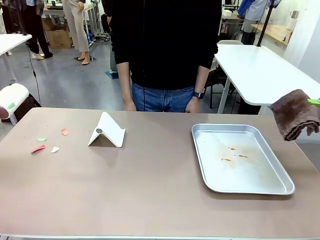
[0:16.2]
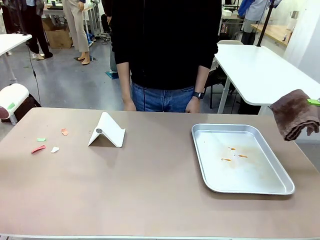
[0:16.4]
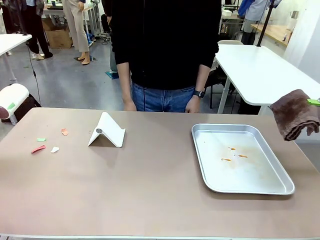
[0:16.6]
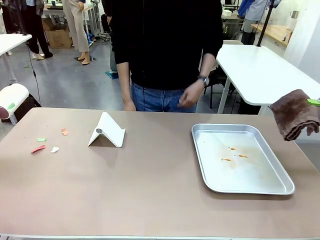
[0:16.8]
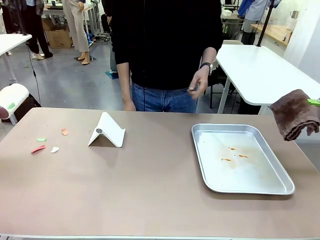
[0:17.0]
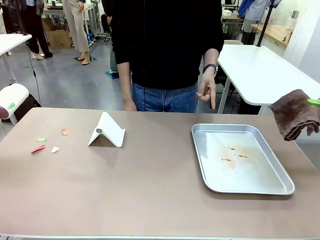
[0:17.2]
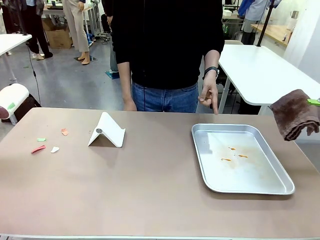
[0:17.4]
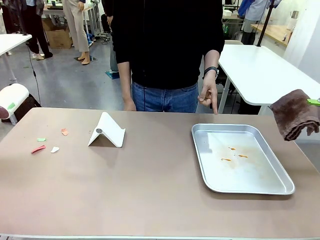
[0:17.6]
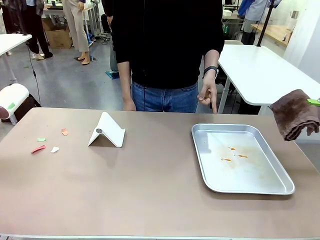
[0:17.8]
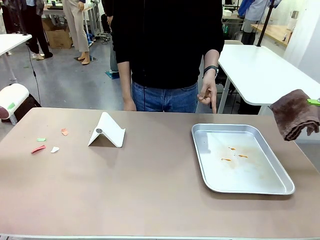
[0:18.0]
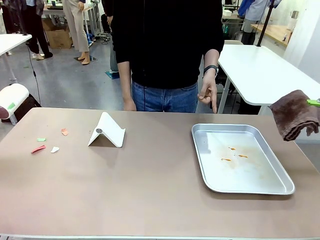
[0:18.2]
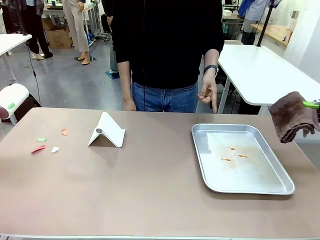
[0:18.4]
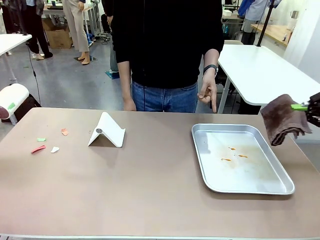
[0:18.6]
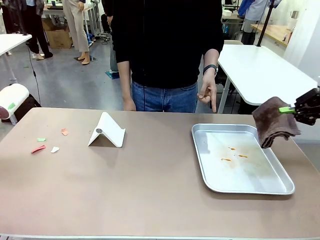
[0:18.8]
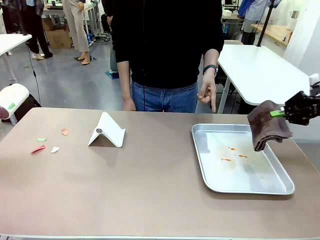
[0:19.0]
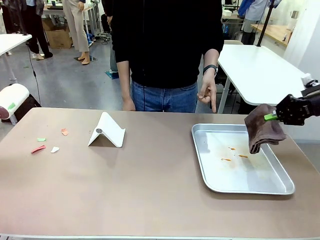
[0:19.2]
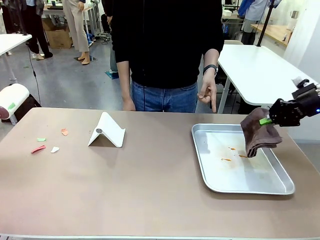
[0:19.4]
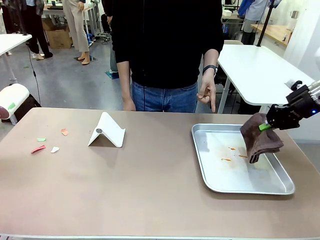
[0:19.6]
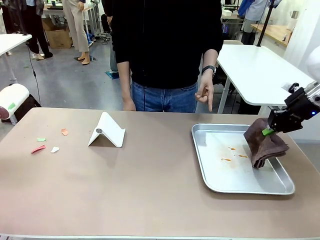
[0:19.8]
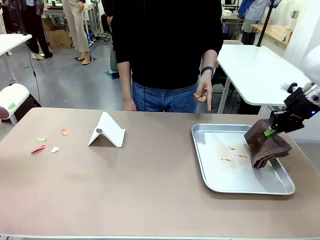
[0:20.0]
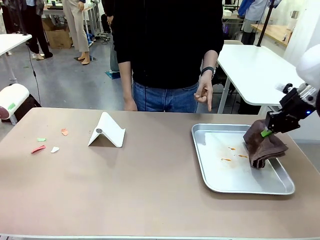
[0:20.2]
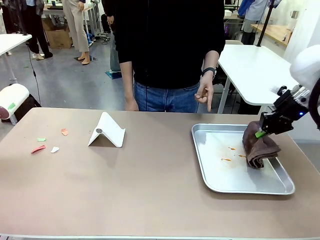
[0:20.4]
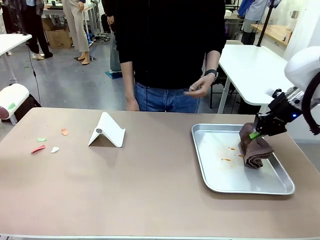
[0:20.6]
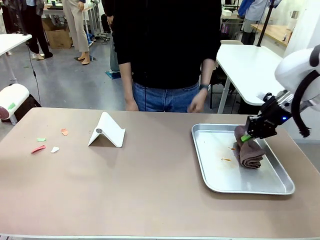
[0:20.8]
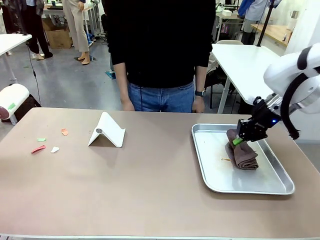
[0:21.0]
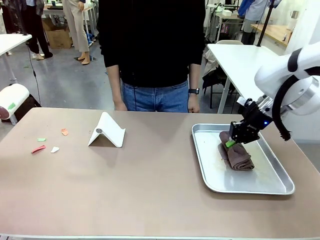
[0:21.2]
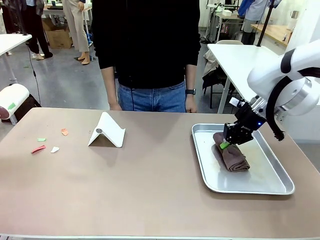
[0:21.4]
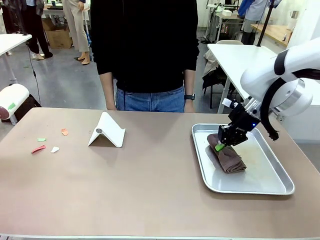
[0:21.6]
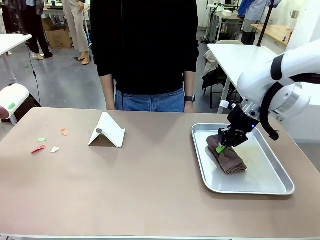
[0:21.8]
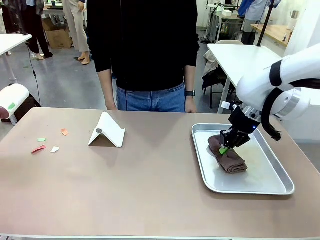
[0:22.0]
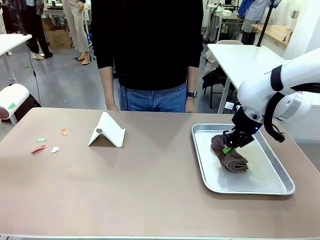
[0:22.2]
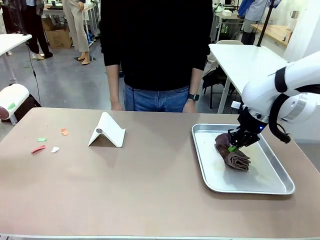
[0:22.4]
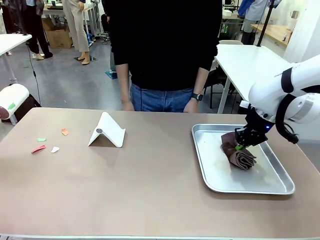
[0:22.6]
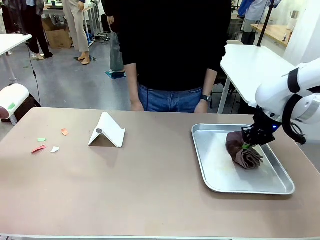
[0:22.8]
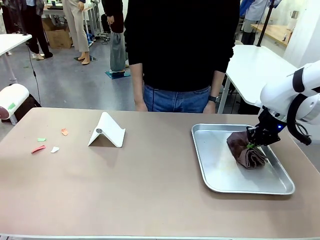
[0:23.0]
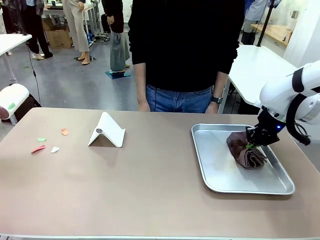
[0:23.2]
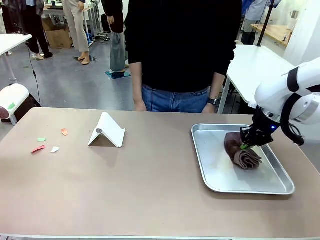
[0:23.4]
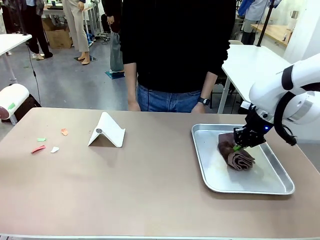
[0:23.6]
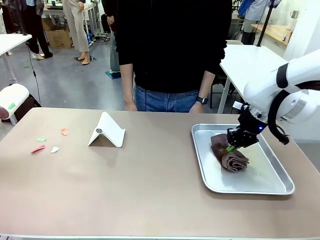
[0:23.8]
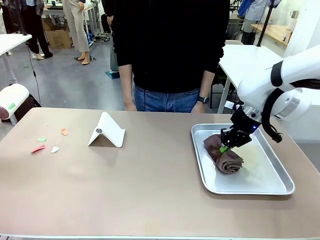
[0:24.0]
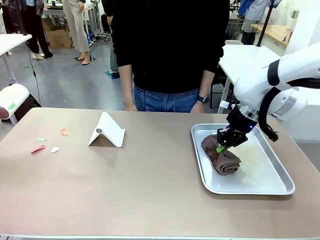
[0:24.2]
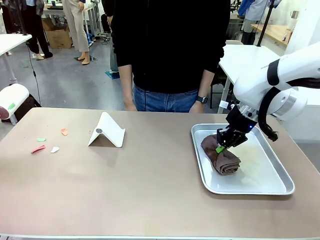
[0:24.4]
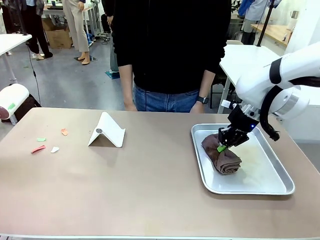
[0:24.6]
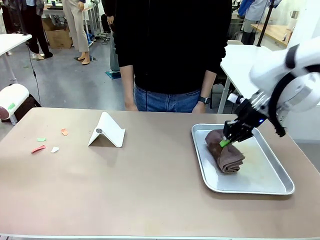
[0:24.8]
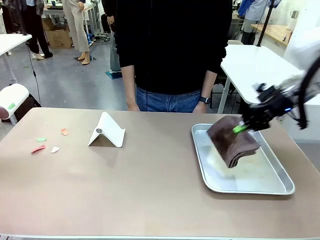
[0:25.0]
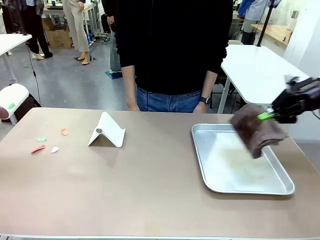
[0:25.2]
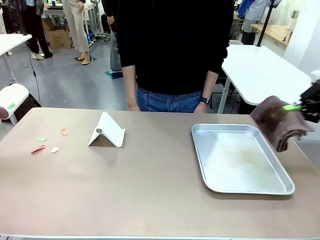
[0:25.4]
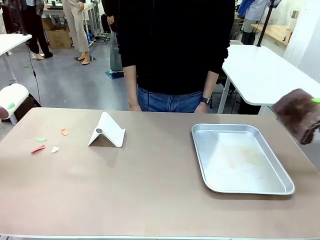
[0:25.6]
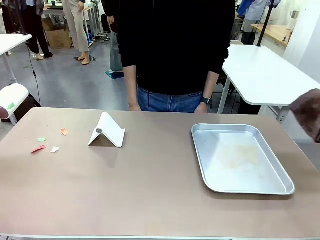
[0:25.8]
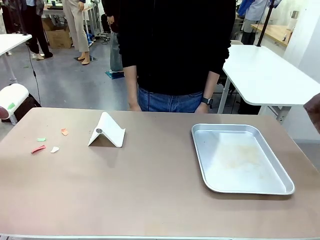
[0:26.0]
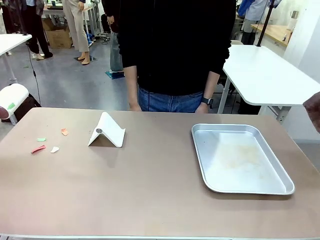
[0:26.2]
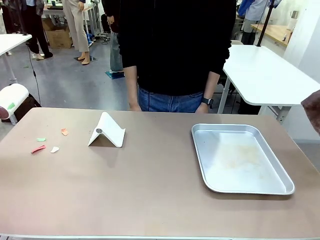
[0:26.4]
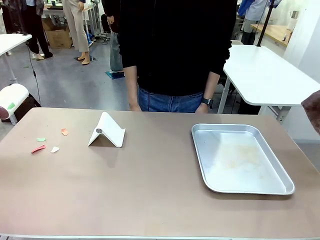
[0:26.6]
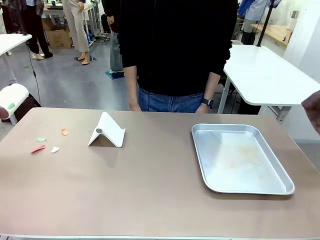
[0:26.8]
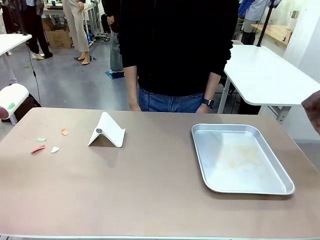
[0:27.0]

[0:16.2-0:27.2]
Task: Clean the surface of the table.
Robot: If a person points to the right, clean the right side of the table with your right hand, and if they point to the left, clean the left side with your left hand.

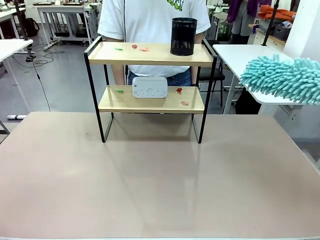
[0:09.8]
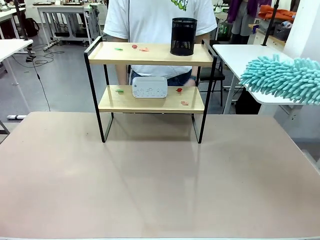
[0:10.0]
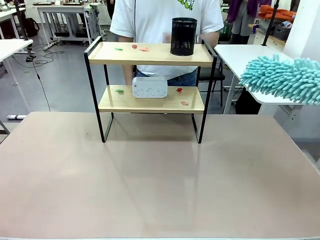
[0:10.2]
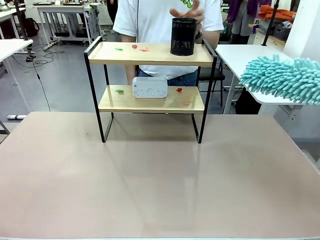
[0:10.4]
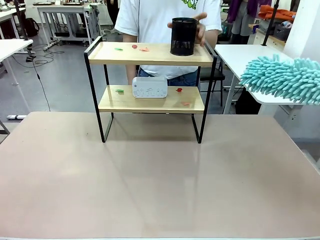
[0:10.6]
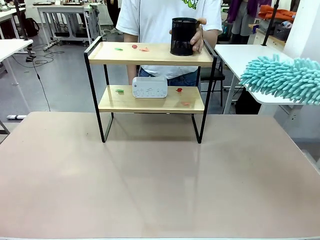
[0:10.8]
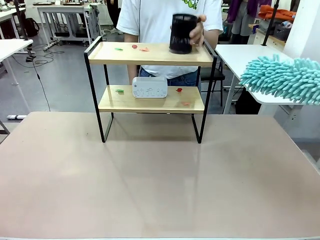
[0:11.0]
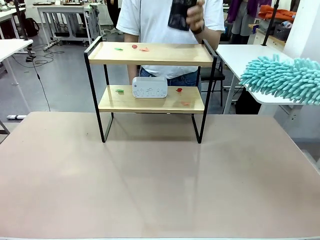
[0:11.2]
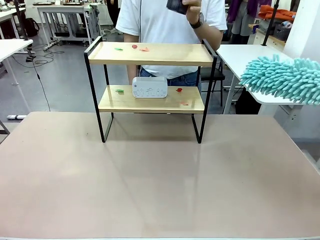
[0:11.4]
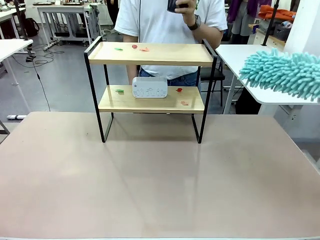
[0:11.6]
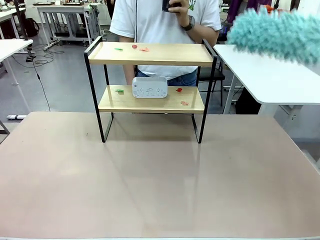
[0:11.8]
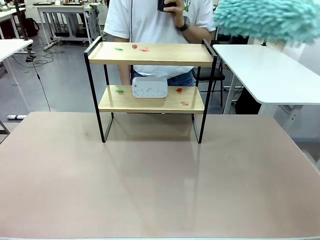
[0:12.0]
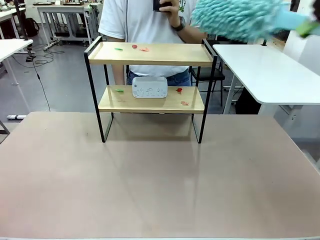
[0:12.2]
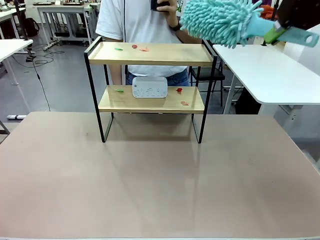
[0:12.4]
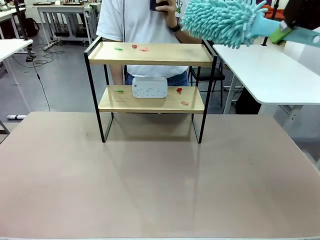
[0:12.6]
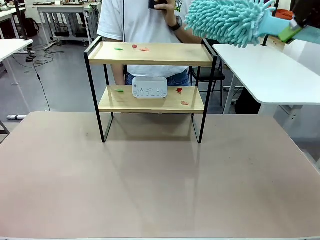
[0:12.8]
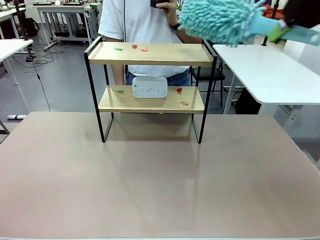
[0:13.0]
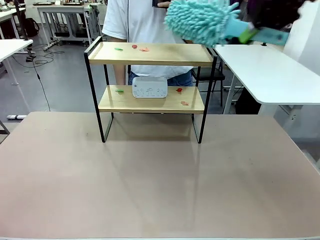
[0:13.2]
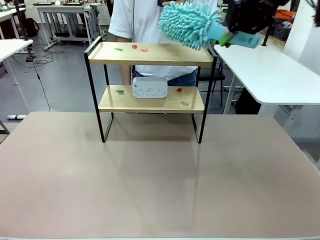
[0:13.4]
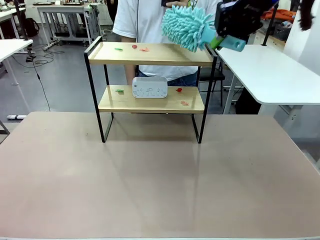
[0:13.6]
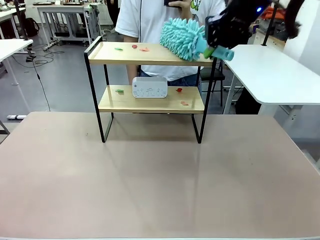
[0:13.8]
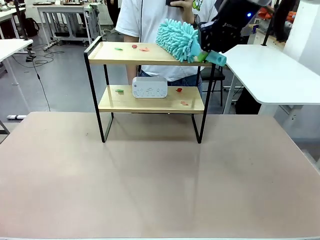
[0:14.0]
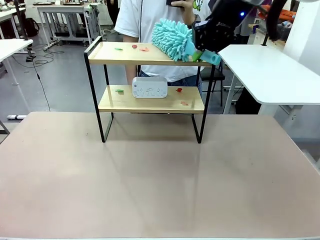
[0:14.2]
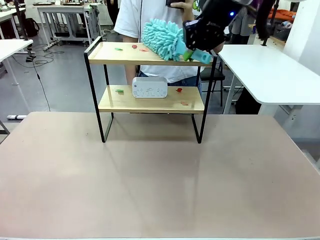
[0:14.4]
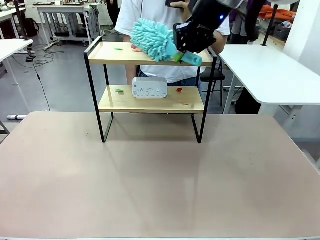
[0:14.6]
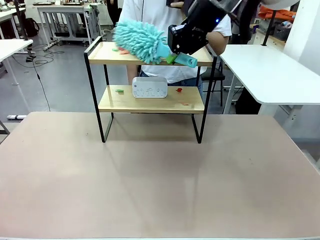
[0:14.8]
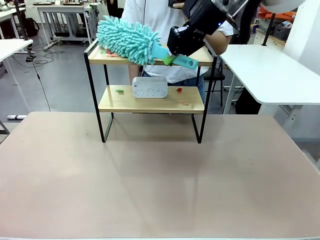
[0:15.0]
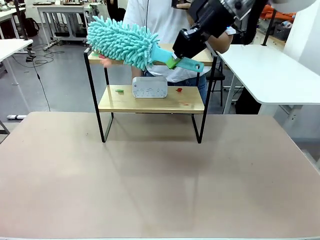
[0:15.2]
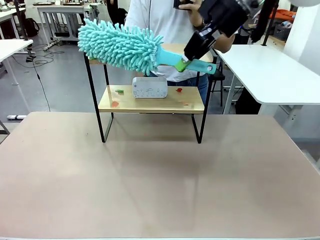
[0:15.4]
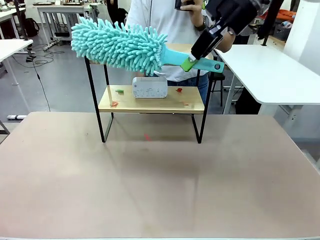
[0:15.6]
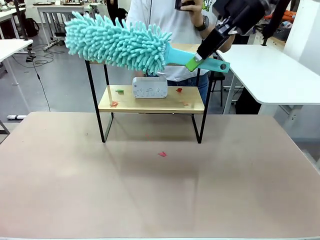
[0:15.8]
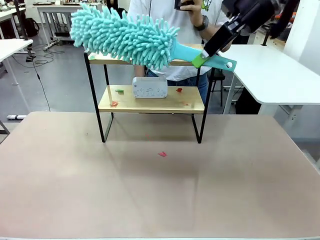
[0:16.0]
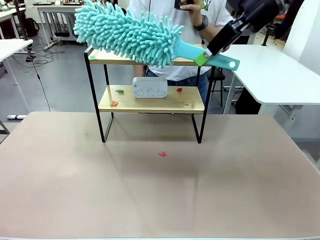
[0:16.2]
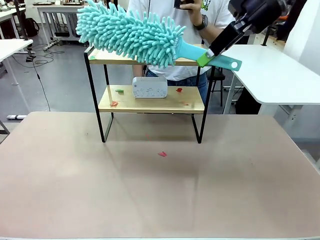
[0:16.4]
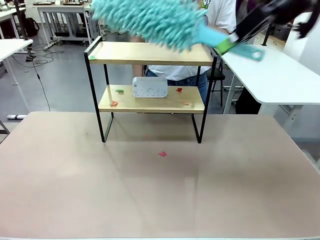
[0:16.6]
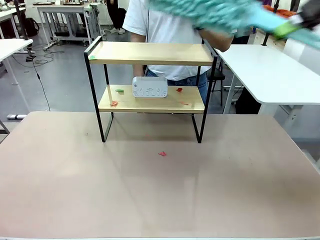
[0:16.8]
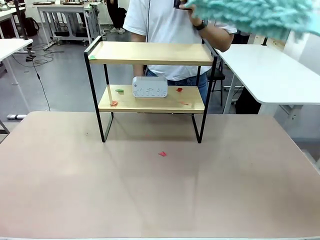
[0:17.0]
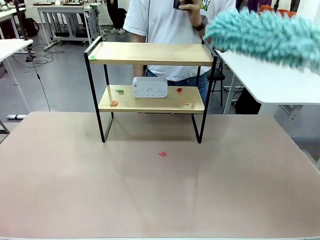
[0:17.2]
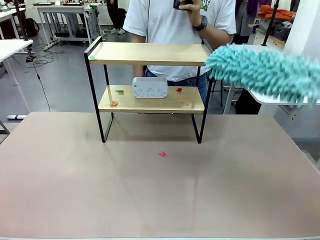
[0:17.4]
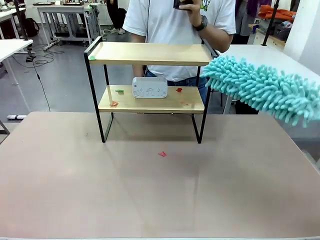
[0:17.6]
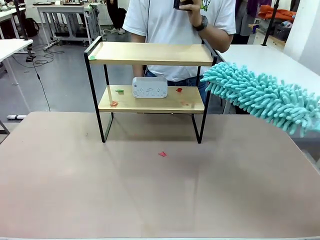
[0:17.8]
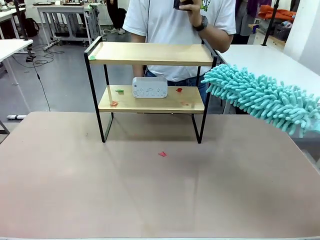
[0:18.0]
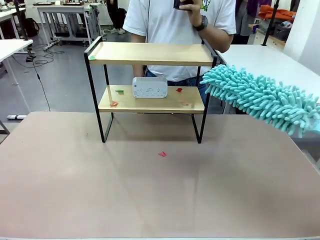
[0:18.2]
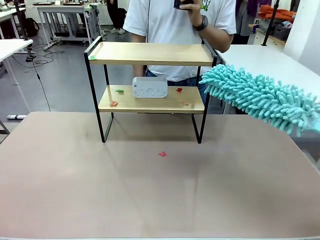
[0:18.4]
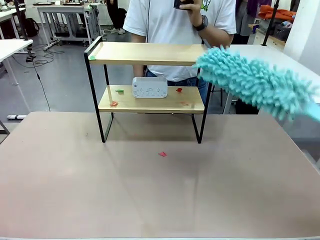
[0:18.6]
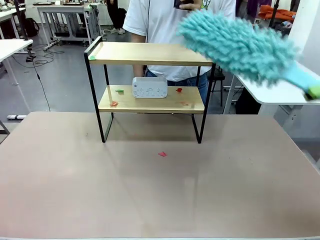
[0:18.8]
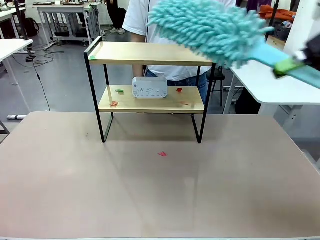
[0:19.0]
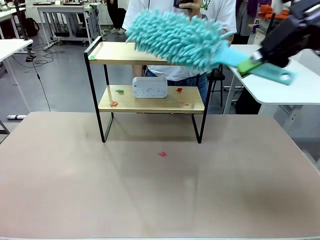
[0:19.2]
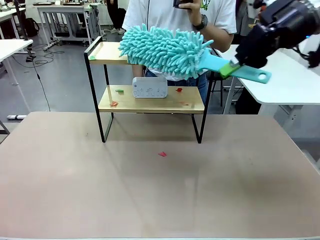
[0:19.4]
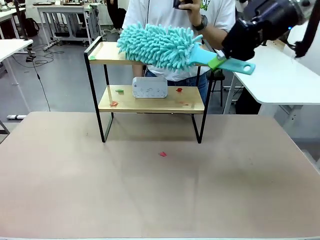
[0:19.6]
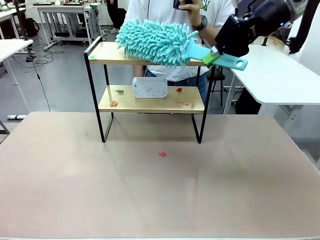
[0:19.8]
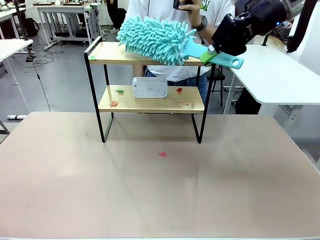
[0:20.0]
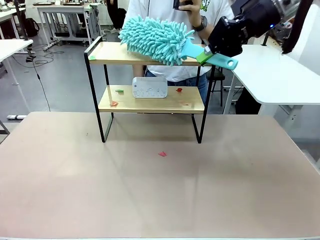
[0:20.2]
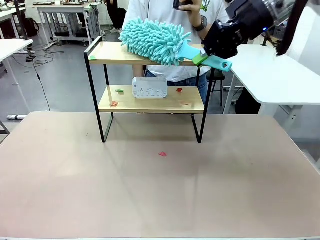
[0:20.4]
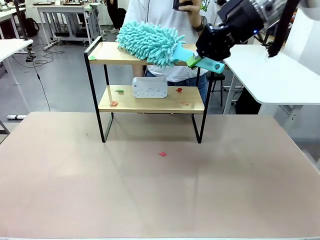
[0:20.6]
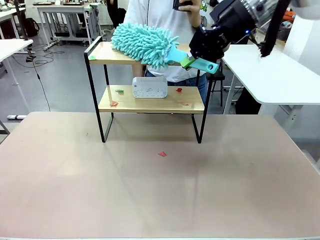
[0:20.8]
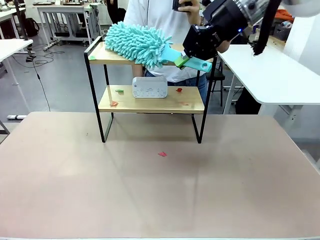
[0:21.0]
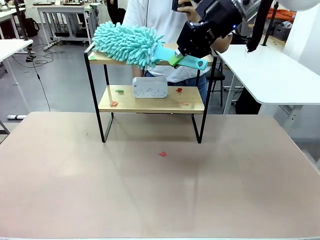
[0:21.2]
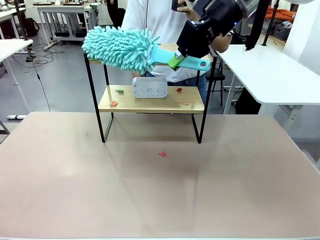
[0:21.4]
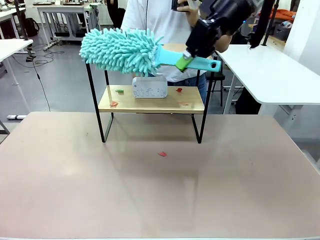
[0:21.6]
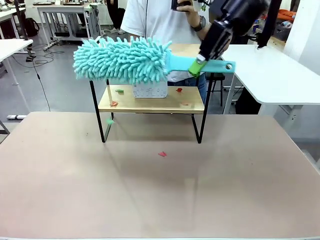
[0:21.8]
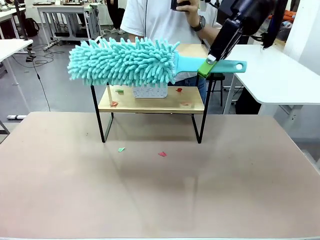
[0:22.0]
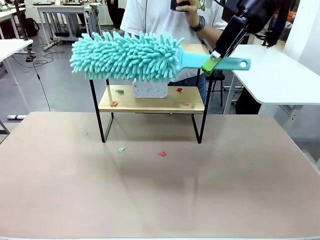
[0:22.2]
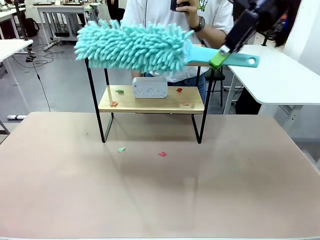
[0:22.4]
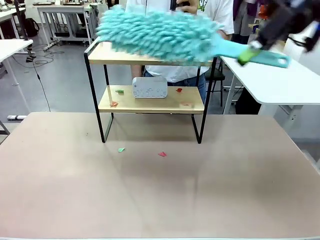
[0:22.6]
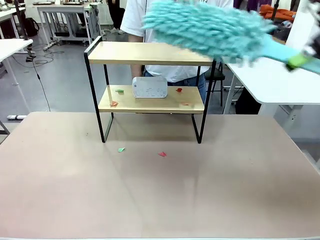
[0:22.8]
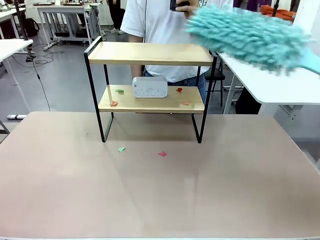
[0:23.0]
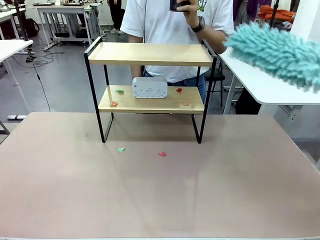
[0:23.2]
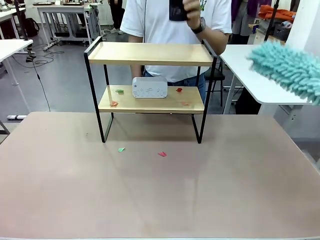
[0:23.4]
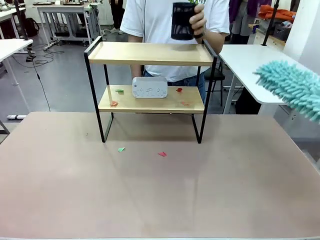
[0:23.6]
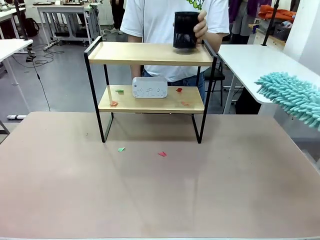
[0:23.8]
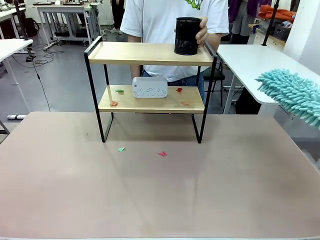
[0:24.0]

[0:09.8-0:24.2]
Task: Clean the shelf.
Robot: Clean the specific tier of the Shelf with the Duster once objects are removed.
Person: Lift the objects on a randomly selected tier of the Shelf. Once the robot finishes cleaning, lift the objects on the remaining tiers of the Shelf.
